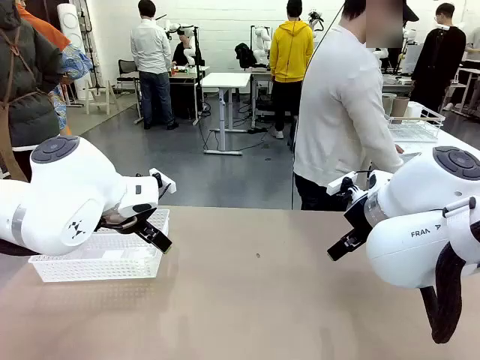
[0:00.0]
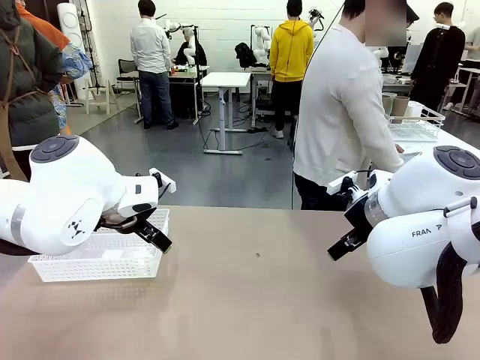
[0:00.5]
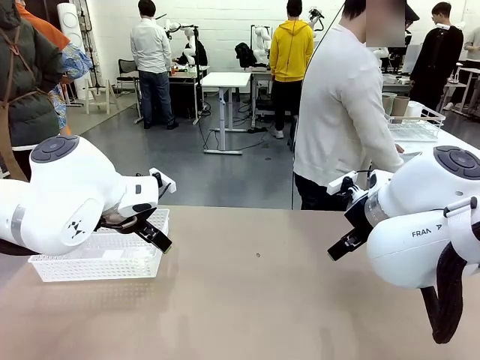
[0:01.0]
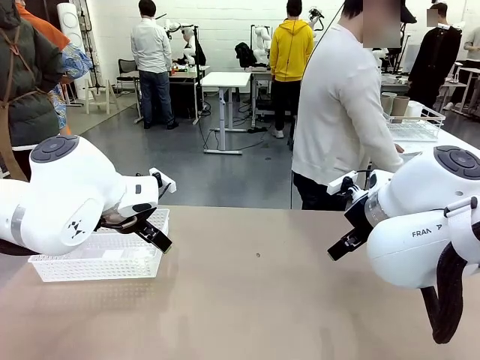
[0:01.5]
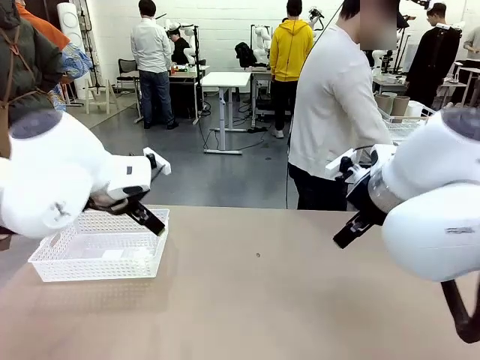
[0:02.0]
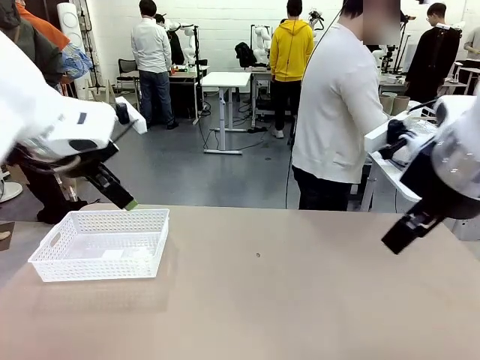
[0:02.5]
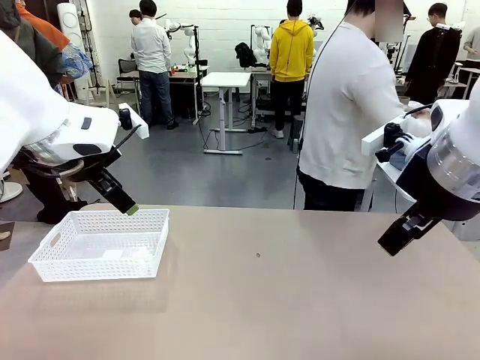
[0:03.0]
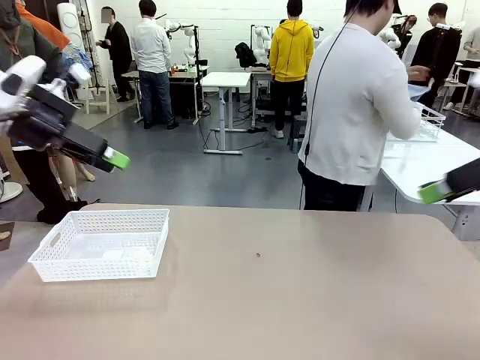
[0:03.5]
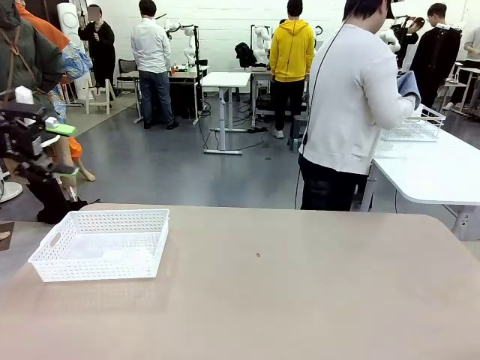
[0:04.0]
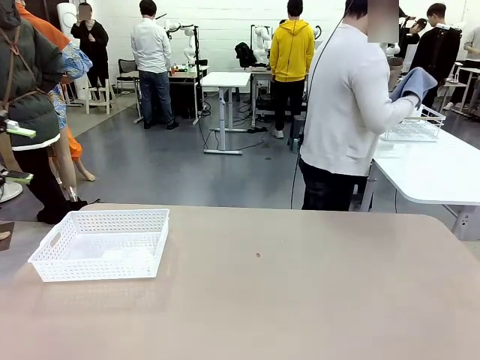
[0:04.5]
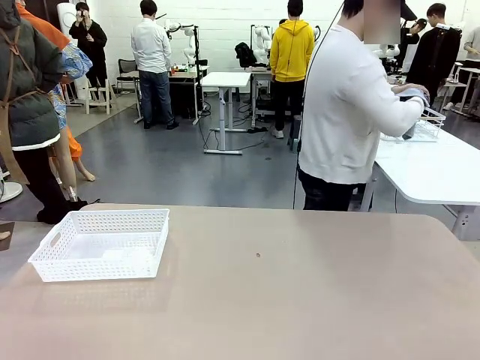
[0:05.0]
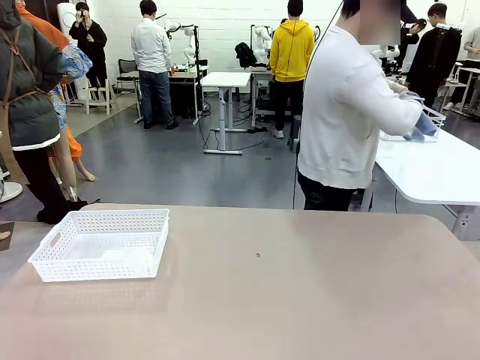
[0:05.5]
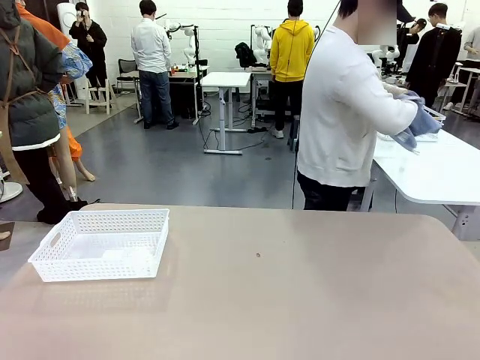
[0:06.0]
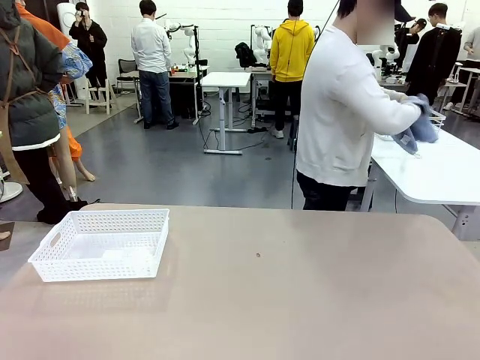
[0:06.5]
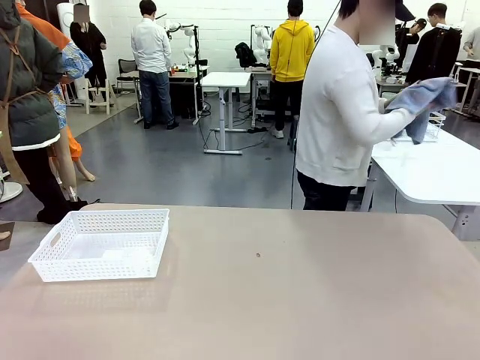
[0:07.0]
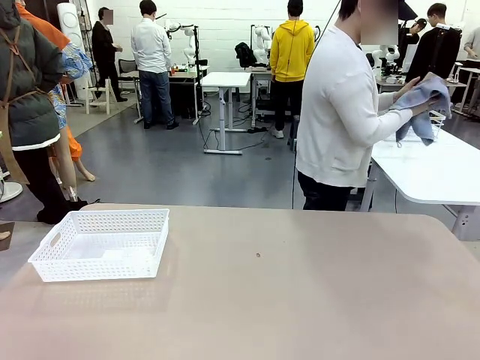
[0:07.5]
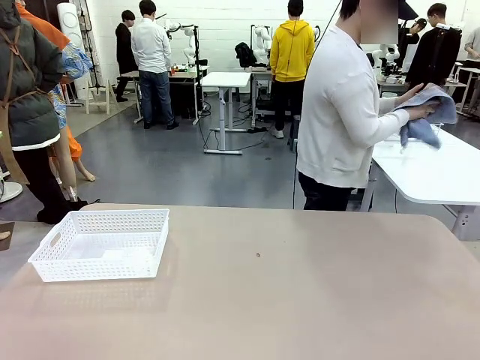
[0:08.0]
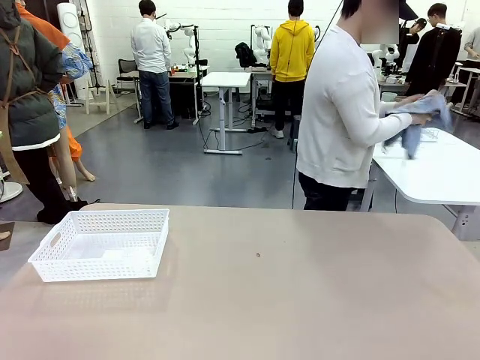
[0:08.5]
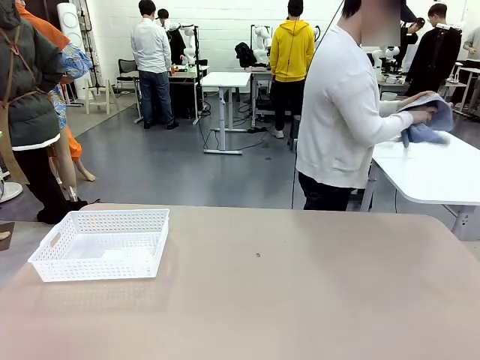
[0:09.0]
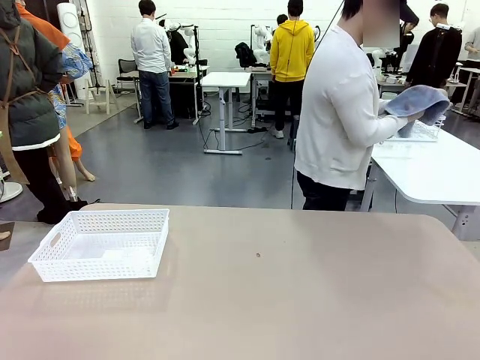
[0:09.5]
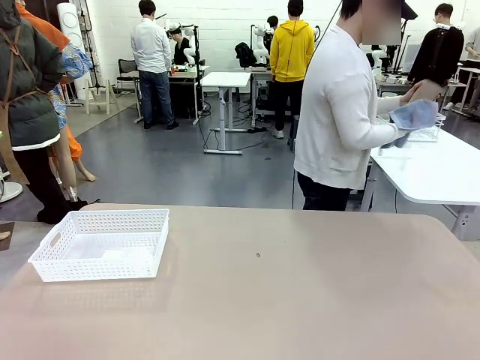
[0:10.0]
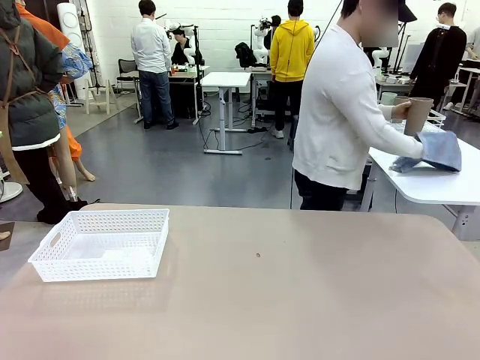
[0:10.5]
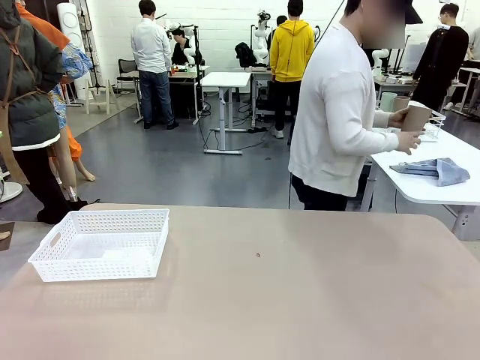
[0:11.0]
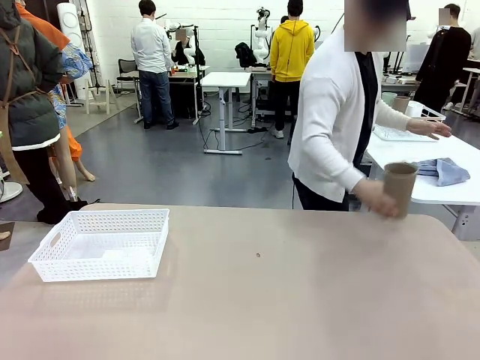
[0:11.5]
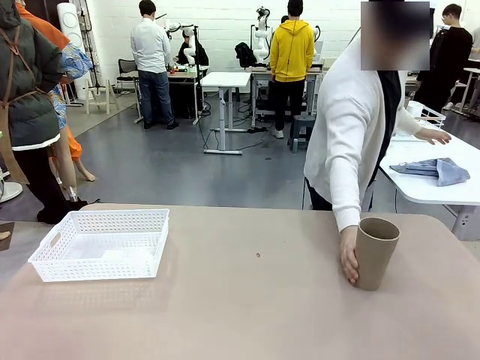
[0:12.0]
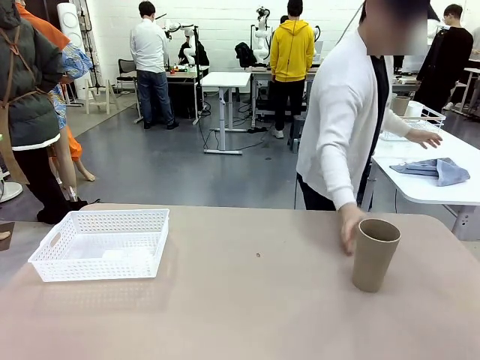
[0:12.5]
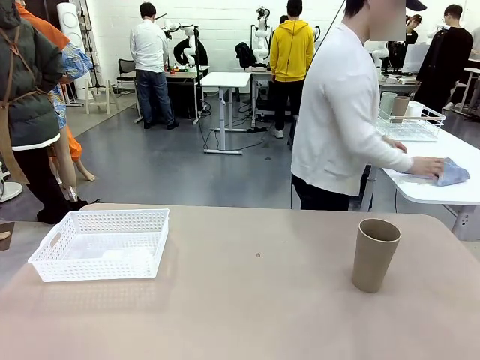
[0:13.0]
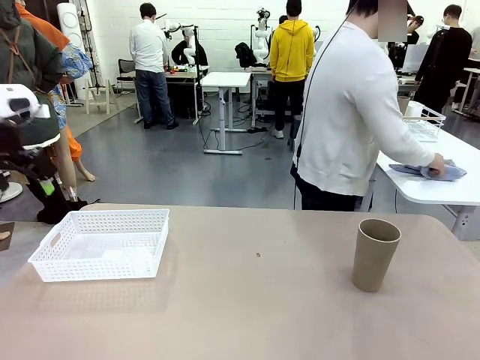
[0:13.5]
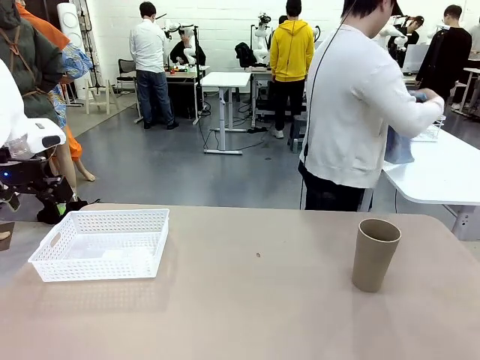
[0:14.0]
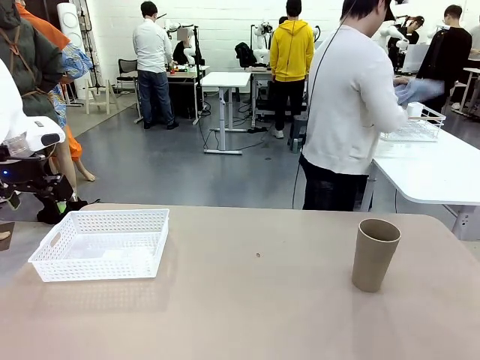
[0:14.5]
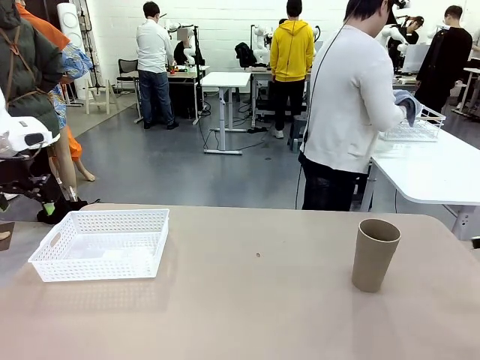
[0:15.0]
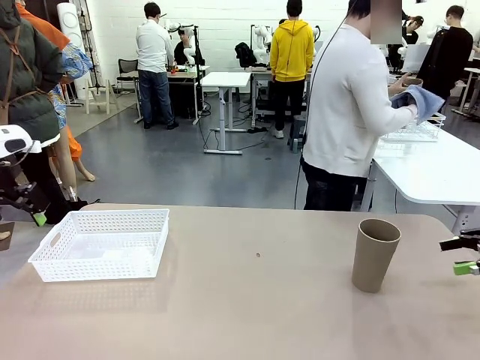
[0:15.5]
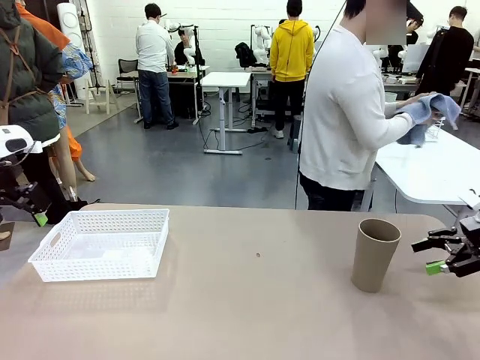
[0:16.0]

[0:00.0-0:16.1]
Task: Clean and organize the cups into the basket.
Robot: Pick up the Organizing basket and move it to the center of the table, then pick up the Reusable plastic cup from the right side of the table and place it inside the Organizing basket.
Person: Picks up a cup and a towel, cleans the cup with the towel, and places it on the left side of the robot table.
